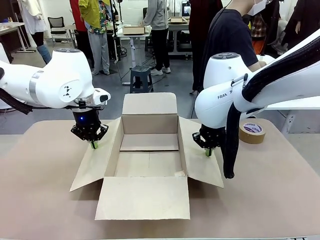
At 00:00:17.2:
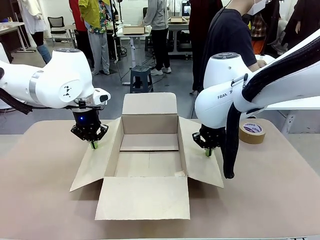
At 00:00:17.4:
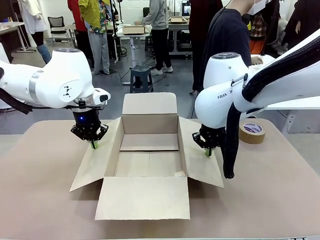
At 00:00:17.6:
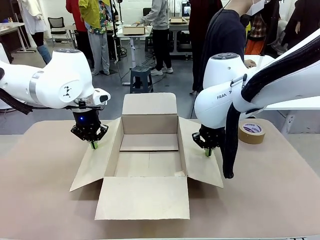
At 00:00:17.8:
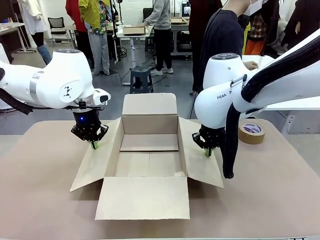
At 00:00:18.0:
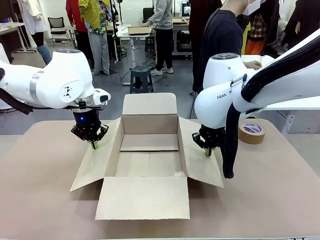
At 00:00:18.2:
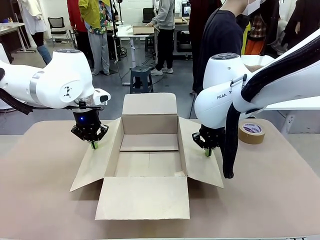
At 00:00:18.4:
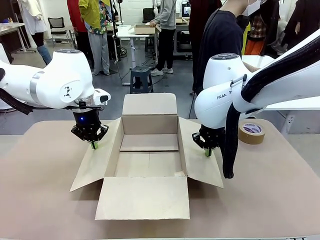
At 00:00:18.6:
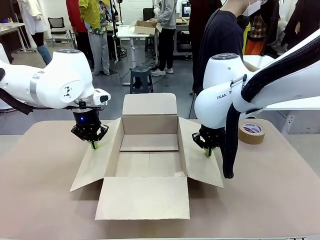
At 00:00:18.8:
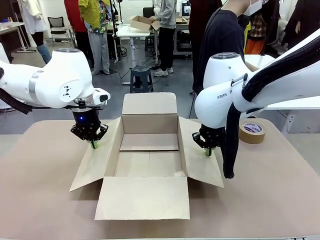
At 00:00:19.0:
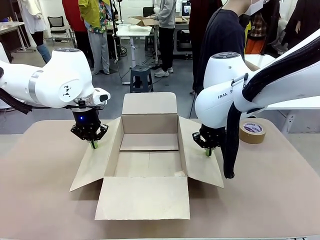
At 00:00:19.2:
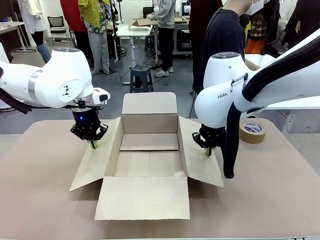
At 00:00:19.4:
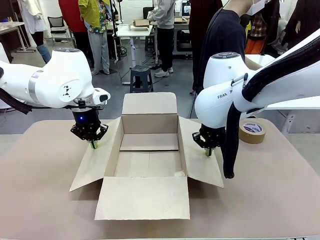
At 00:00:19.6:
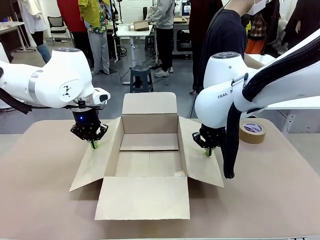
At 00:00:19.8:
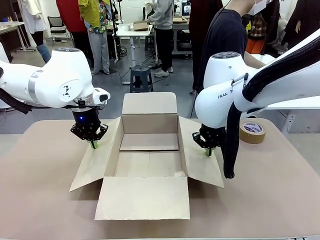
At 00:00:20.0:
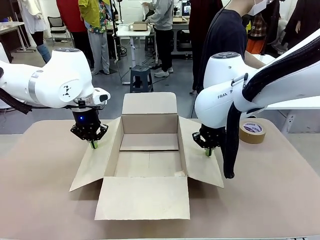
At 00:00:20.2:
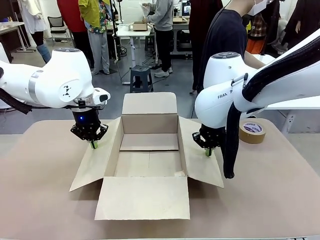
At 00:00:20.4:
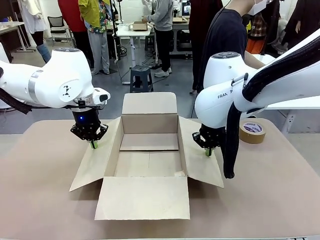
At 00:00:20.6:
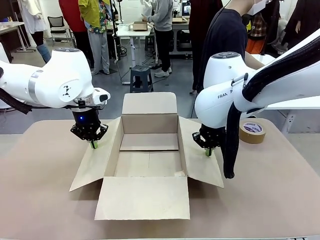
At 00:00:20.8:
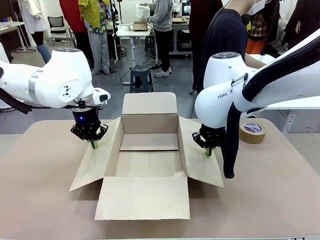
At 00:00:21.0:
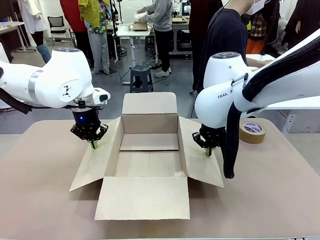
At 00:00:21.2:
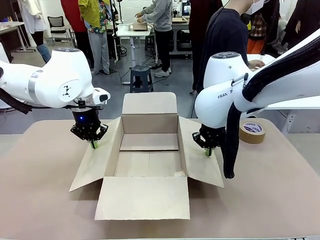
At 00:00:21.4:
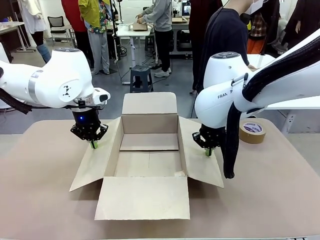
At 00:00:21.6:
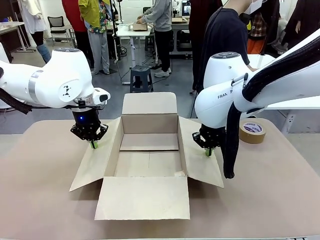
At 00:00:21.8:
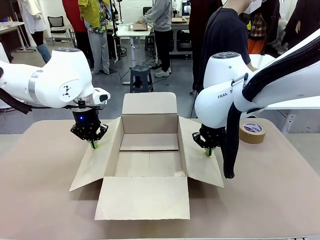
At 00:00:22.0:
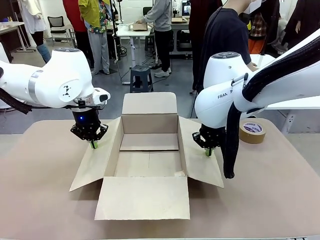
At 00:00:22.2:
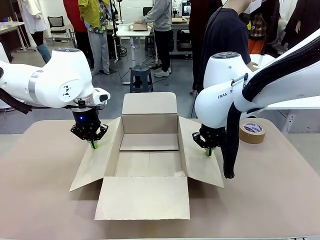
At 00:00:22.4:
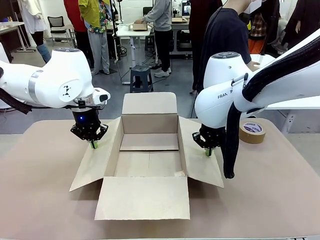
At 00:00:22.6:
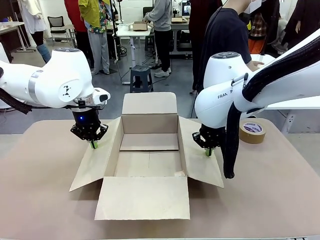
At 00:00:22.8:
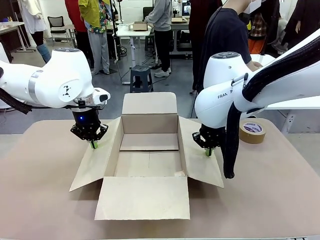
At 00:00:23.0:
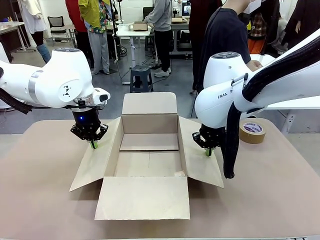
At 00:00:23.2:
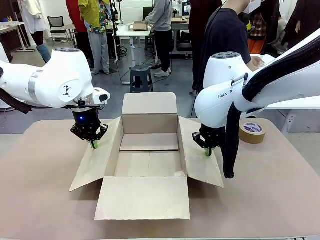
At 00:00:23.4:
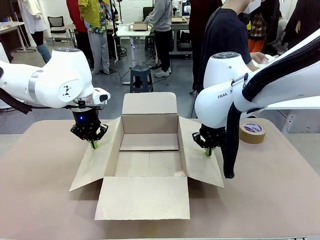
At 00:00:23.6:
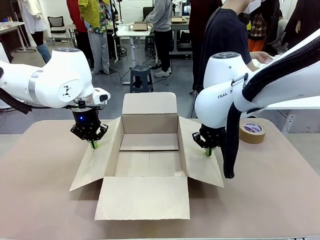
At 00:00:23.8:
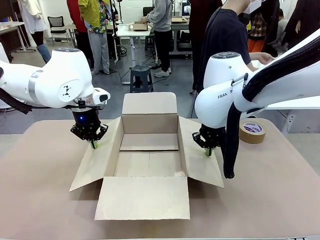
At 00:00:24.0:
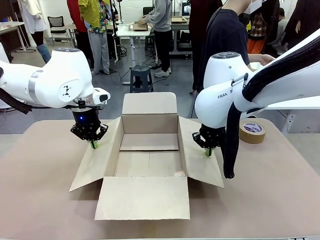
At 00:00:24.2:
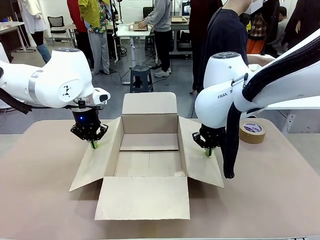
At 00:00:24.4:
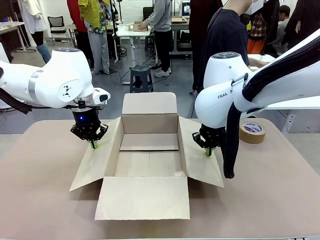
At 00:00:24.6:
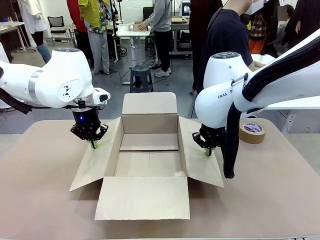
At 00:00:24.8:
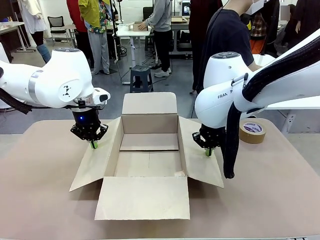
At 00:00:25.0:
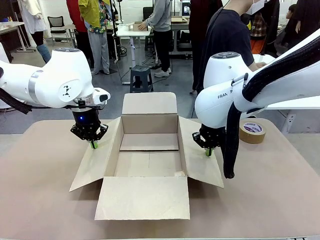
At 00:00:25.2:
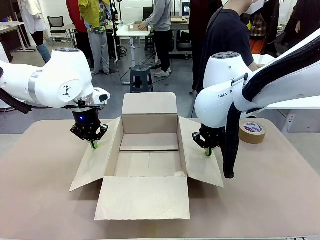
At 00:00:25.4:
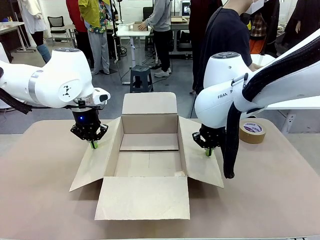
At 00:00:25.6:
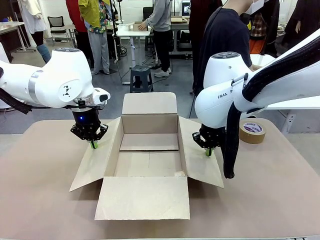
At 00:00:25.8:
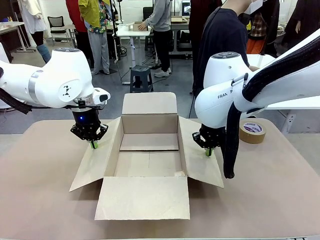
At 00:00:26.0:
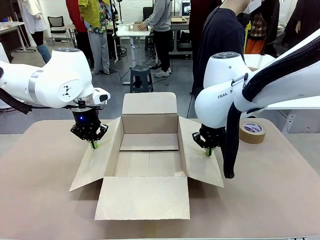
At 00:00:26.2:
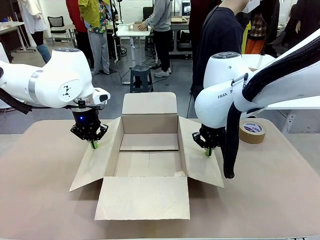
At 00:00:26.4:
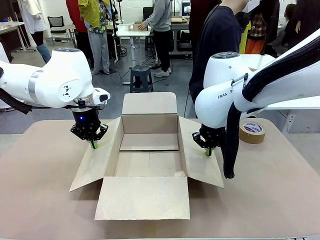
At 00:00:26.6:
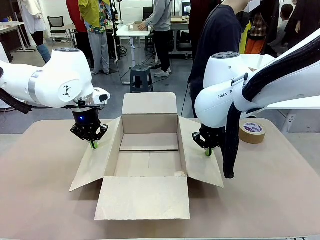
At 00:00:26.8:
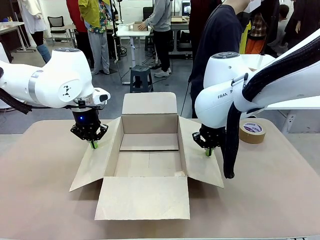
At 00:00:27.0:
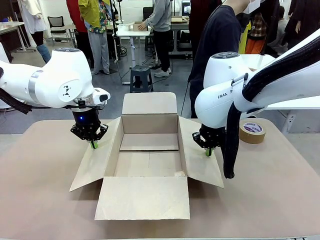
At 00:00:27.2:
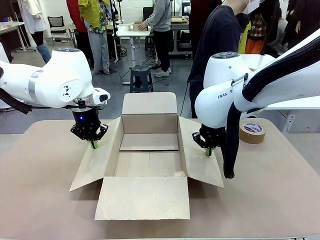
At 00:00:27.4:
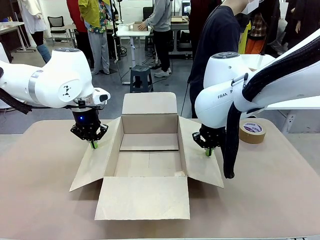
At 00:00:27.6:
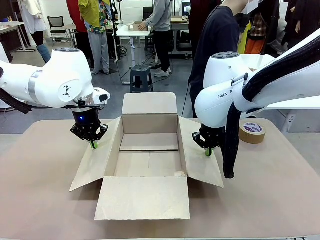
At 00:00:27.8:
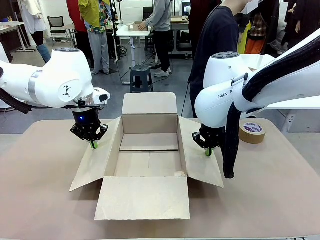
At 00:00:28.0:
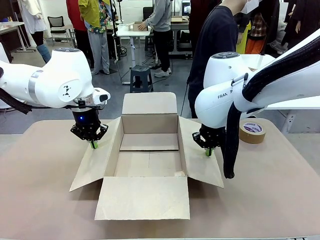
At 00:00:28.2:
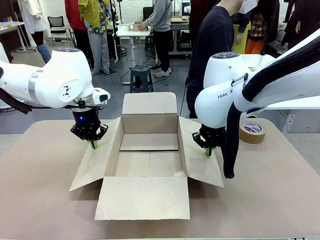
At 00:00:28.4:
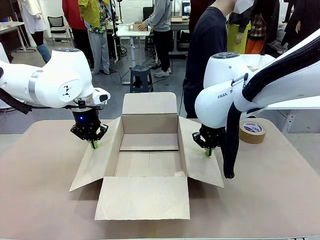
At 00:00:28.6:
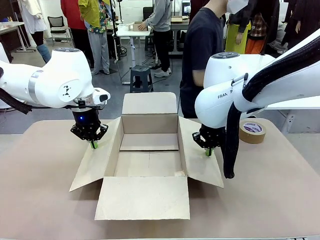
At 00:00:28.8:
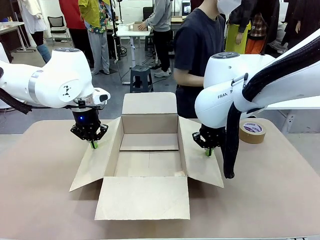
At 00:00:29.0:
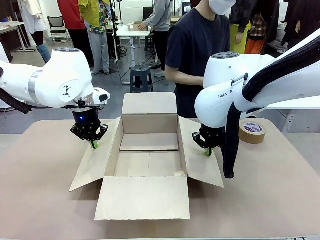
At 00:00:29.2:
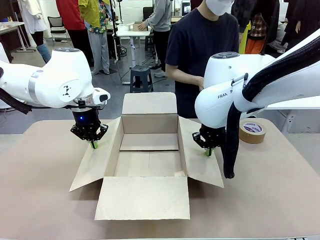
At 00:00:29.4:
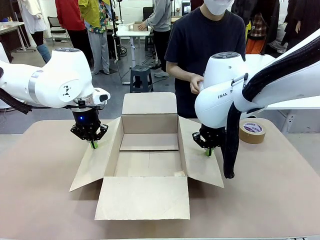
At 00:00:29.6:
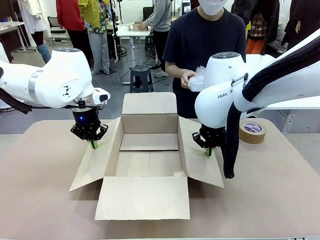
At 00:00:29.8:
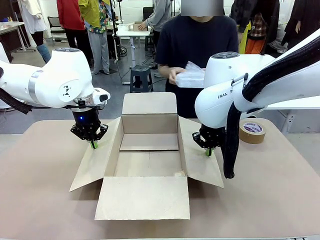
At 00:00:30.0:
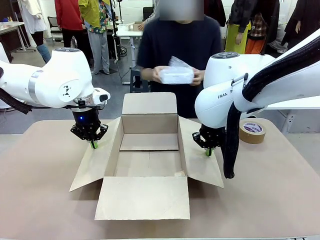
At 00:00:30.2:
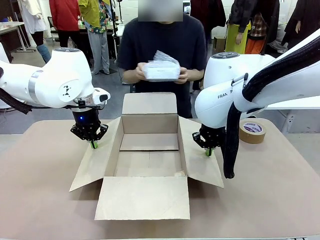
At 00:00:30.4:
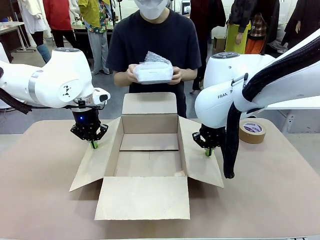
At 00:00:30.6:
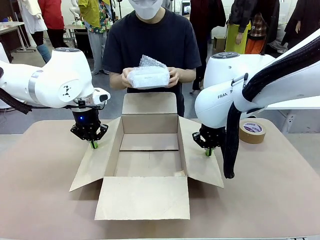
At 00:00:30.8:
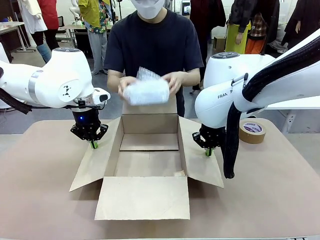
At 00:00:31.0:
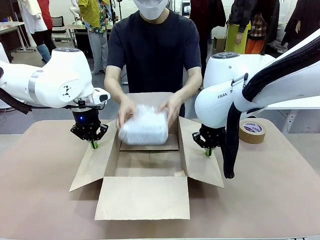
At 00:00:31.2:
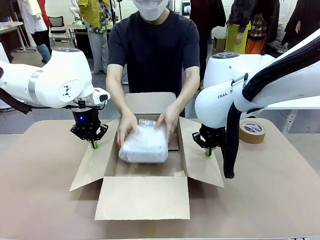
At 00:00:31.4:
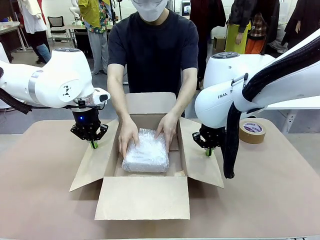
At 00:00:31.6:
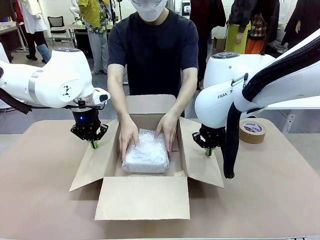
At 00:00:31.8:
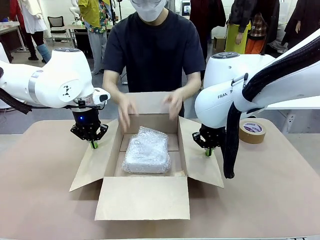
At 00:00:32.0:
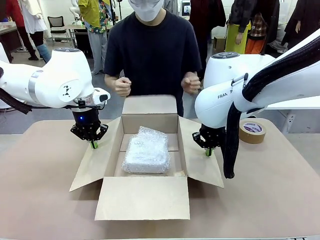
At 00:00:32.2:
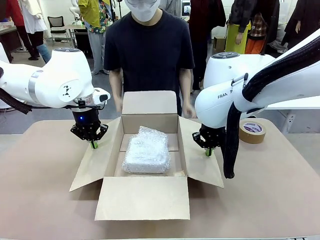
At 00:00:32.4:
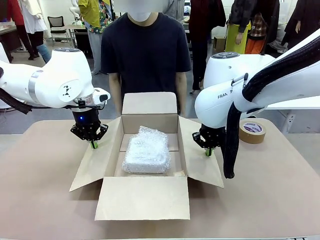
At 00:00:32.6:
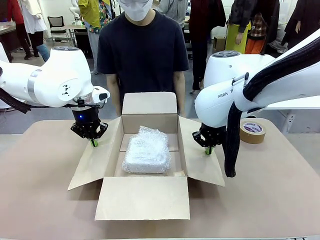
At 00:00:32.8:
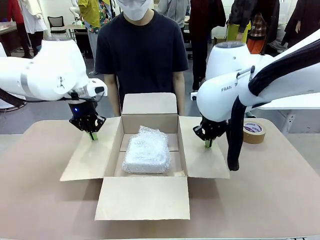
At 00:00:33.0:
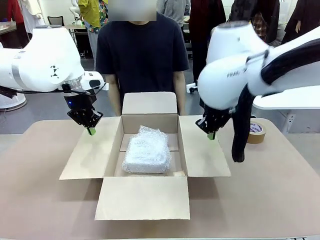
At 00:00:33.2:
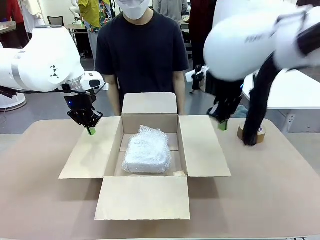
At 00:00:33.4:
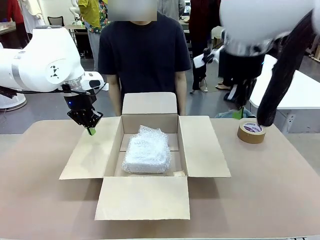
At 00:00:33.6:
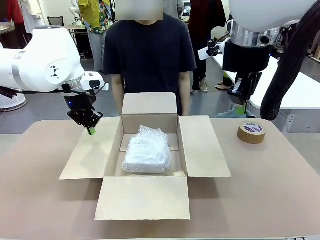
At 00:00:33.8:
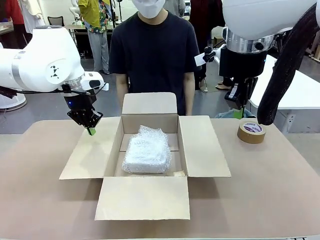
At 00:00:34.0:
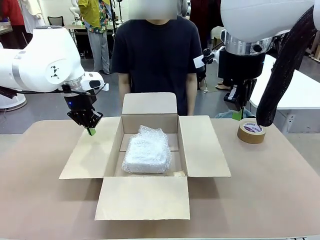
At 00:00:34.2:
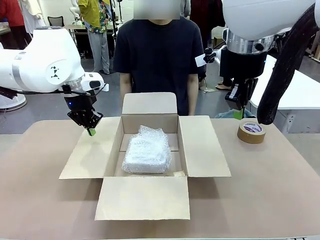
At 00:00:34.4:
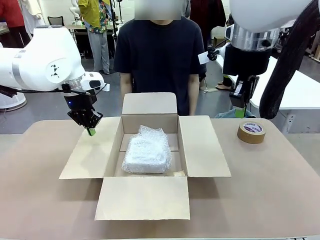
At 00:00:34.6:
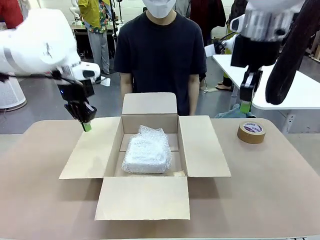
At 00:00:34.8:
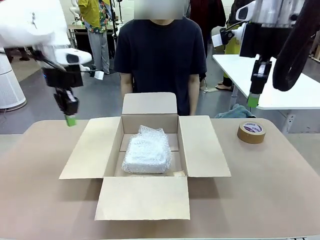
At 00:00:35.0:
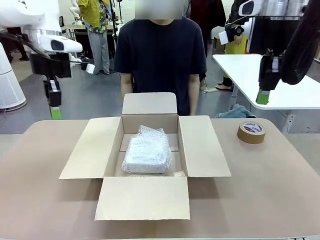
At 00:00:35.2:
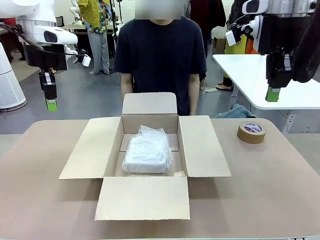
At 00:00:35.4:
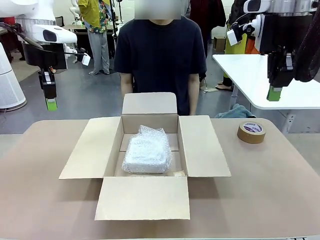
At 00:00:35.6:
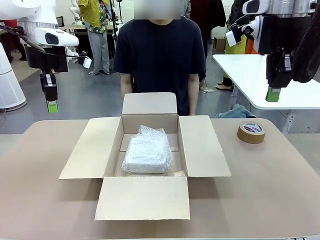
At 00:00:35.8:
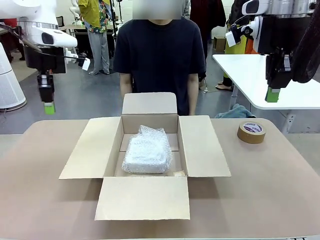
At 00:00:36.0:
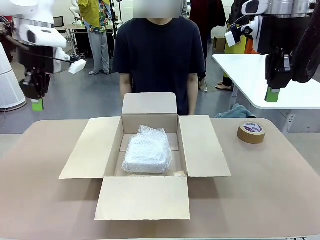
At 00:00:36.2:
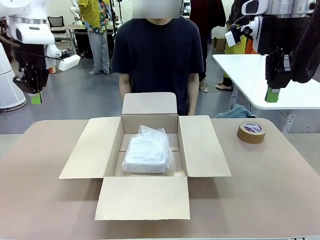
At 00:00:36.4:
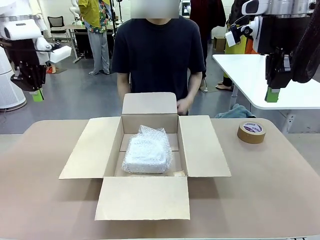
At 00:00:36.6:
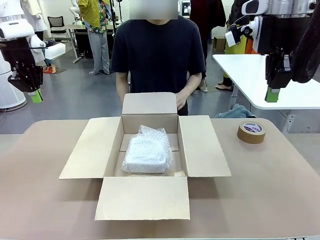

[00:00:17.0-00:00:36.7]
Task: Wrap the clocks to prevent damage.
Robot: Once the human has placed the objects inside and stepped back, release both hands from the side flaps of the Package Box.
Person: Place the wrapped Digital clocks inside the Package Box. Hold the top and bottom flaps of the Package Box closed with your left (or right) hand.
